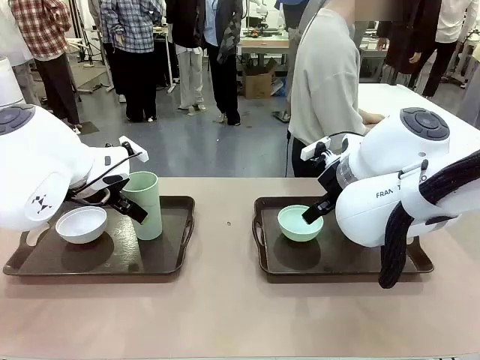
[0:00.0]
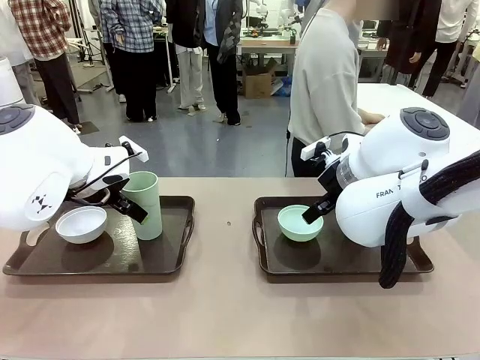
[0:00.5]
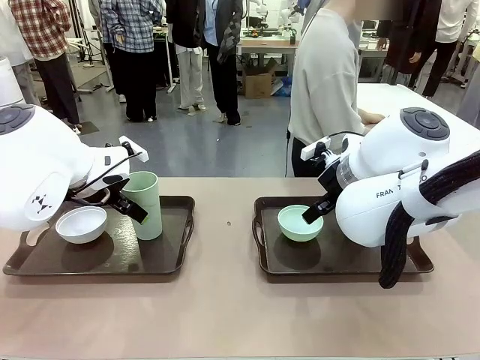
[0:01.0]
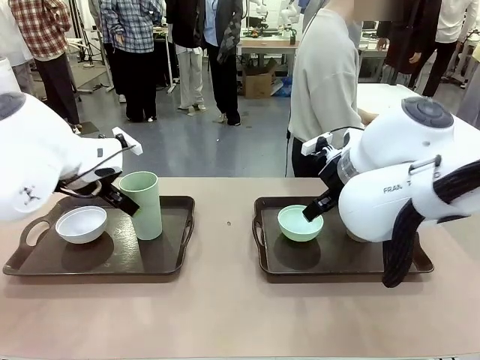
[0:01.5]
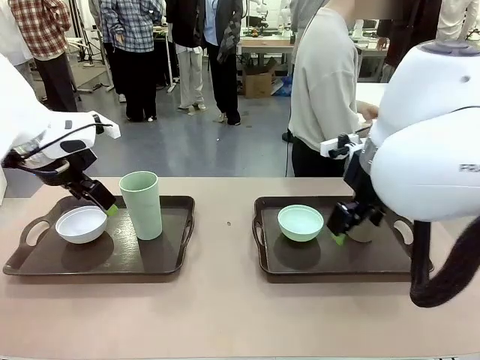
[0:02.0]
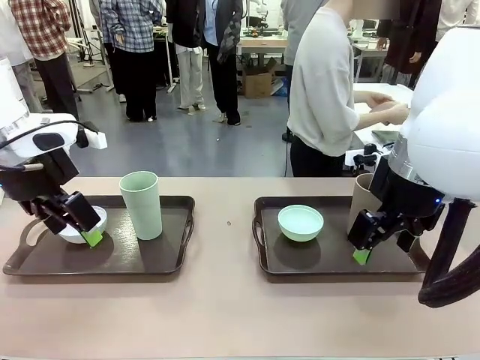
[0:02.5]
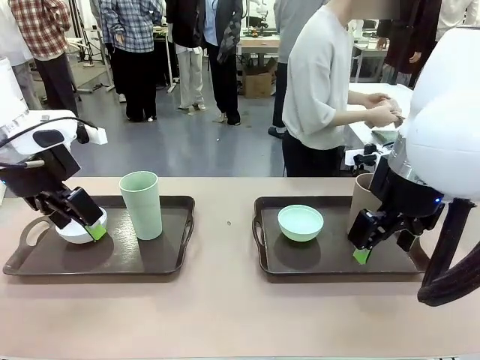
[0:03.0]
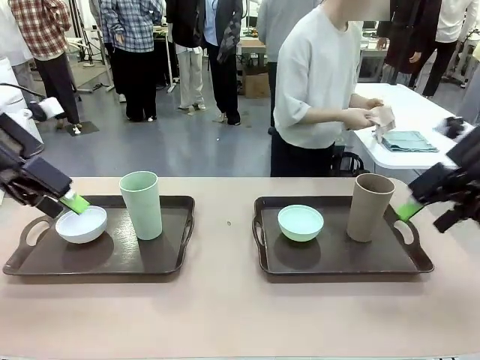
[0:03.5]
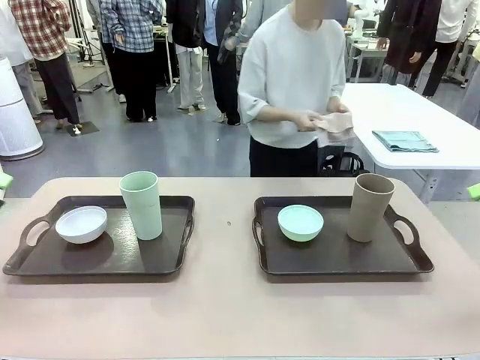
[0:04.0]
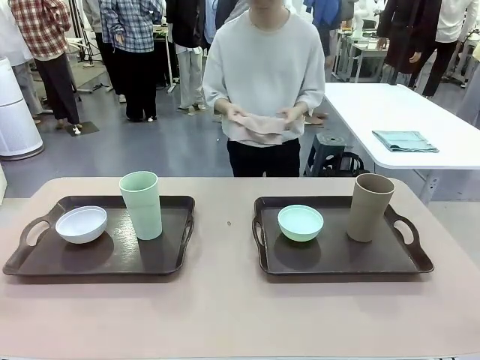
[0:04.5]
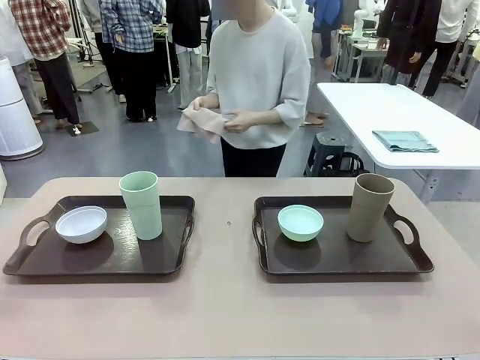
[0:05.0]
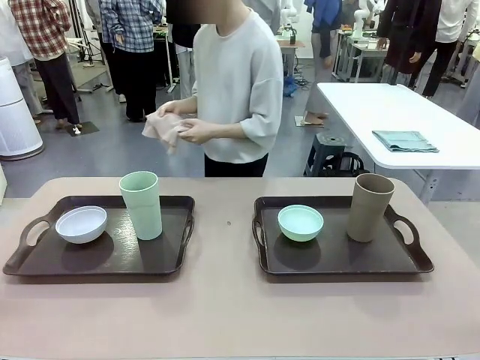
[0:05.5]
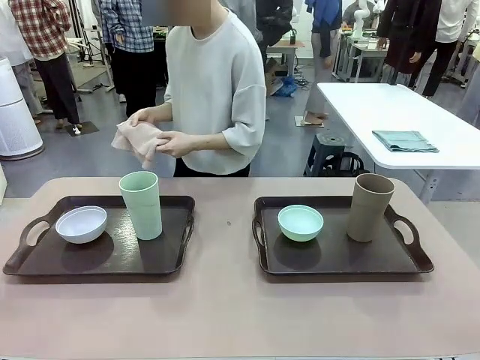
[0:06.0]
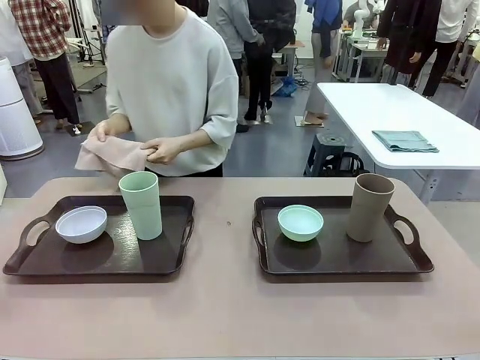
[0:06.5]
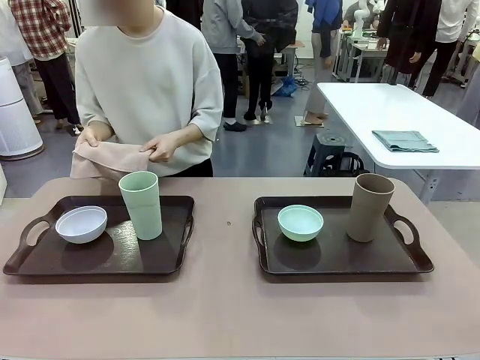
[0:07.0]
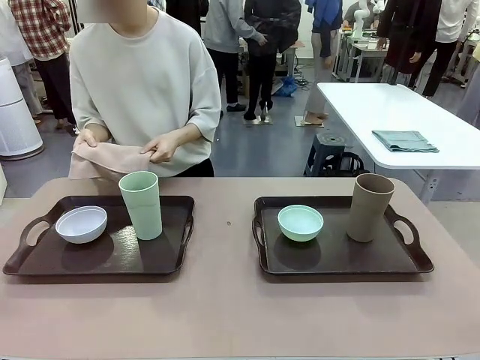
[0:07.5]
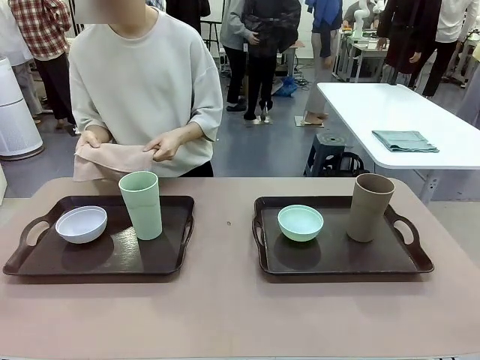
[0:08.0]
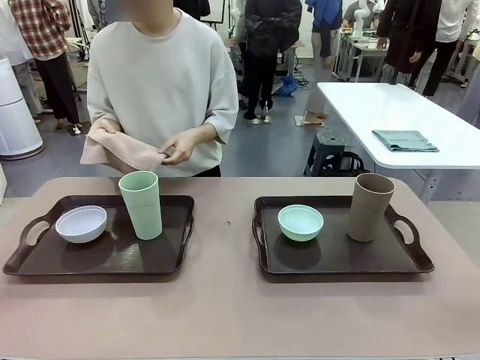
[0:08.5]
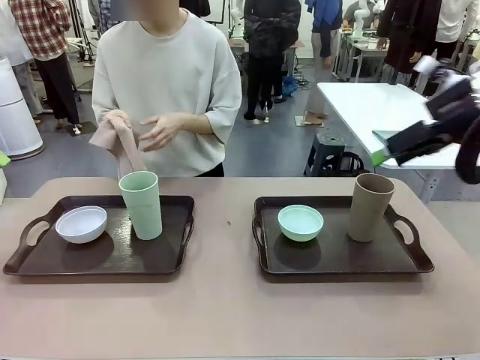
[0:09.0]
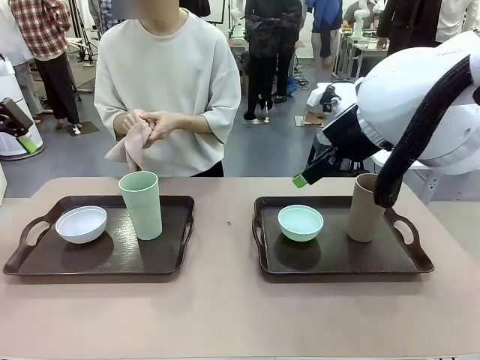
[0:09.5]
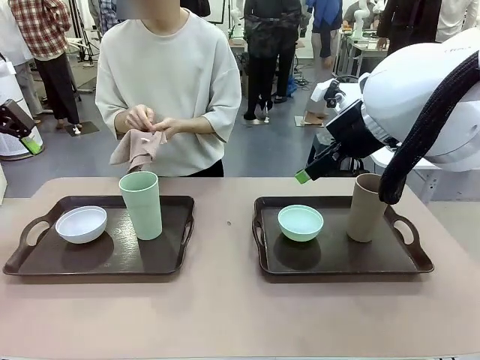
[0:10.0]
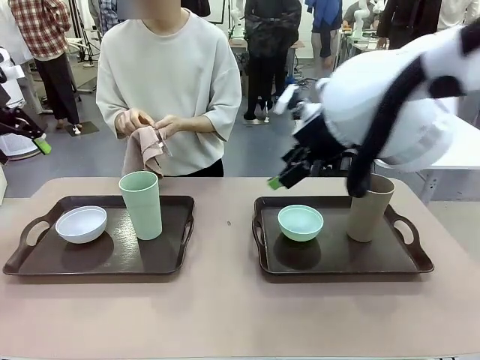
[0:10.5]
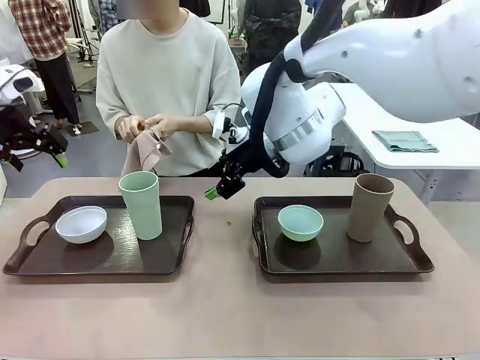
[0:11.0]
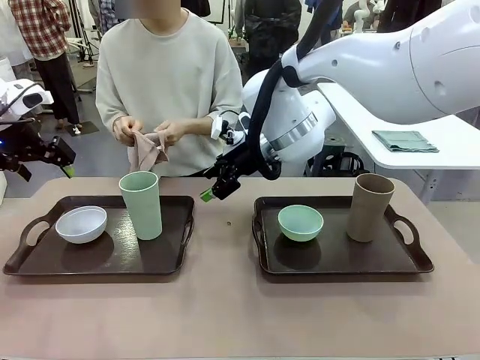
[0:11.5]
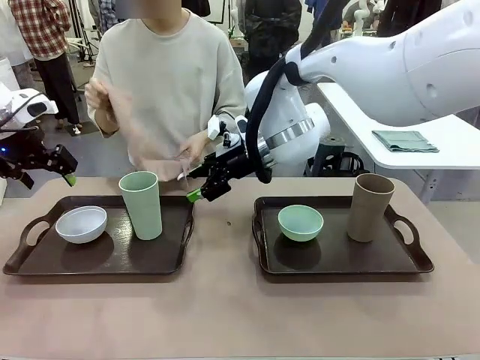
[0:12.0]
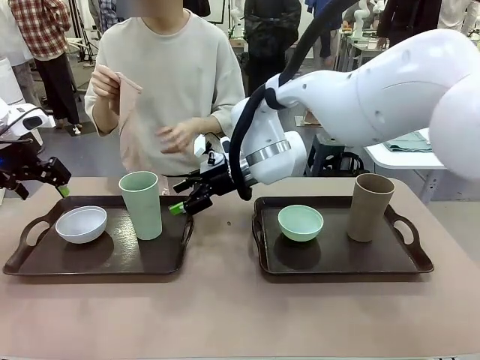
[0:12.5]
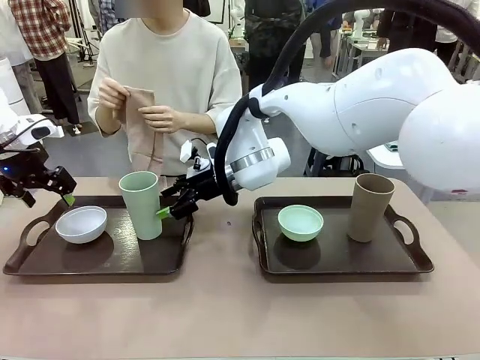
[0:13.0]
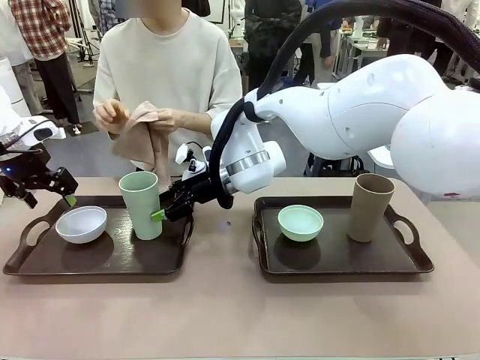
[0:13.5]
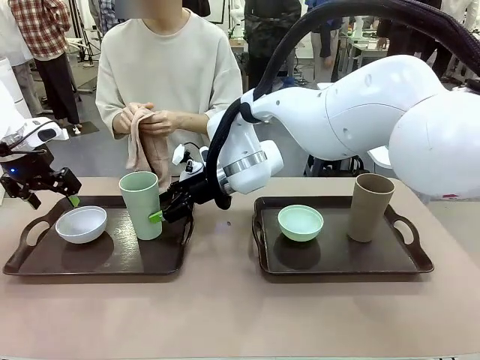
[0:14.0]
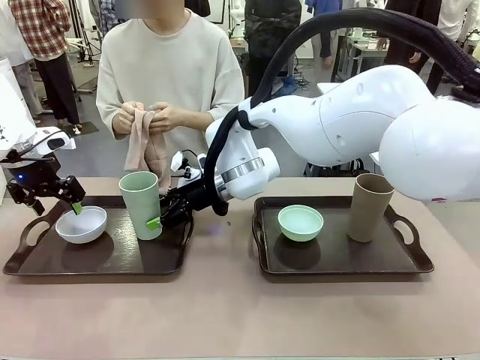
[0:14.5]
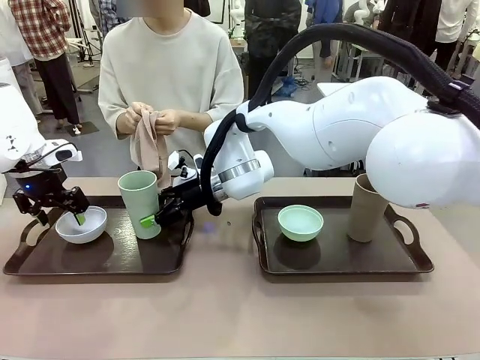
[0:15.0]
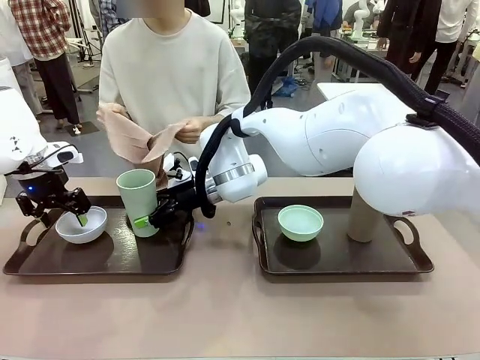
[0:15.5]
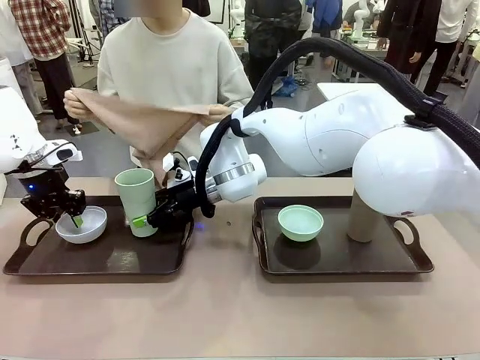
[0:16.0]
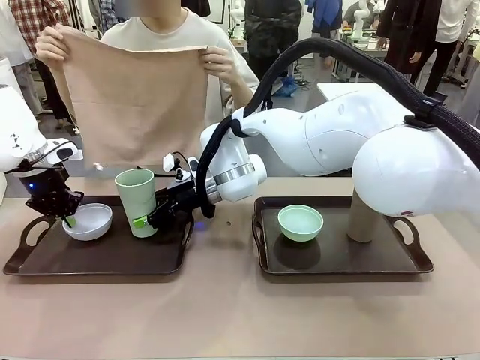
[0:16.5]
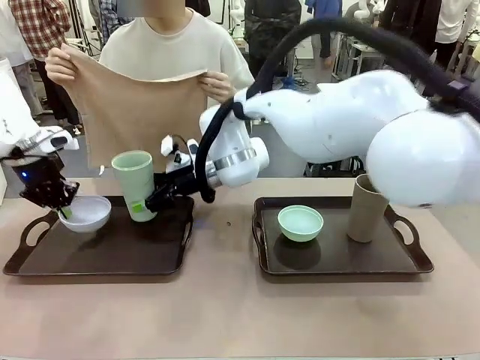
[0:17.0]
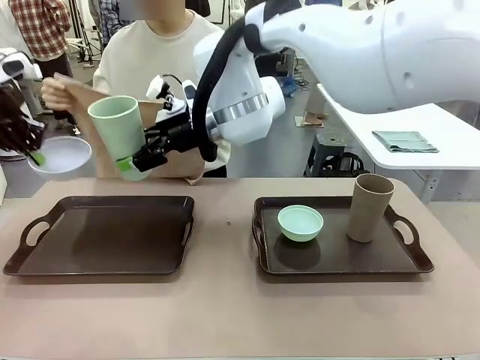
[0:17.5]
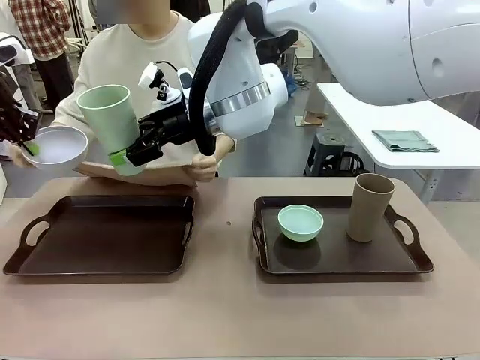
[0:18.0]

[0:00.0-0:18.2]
Robot: Pick up the Picnic Bowl and Reusable plastic cup from the Handle tray in front of the human's position and hold them in the air.
Person: The human picks up the top napkin from the stack on the human table and walks to the robot table to stand in front of one of the two trays. When the robot lifts the bowl and the cup, the human unfolds the napkin and lays the napkin flat on the tray.

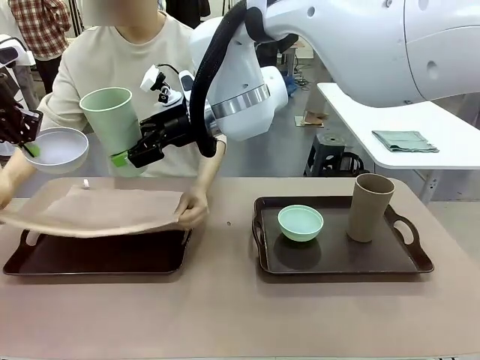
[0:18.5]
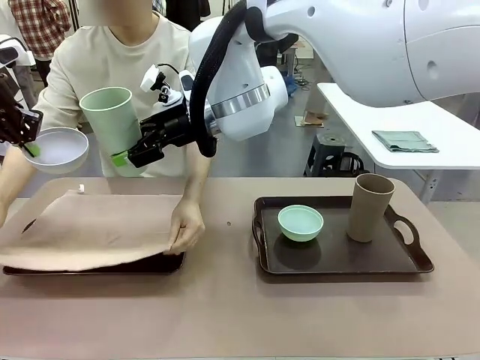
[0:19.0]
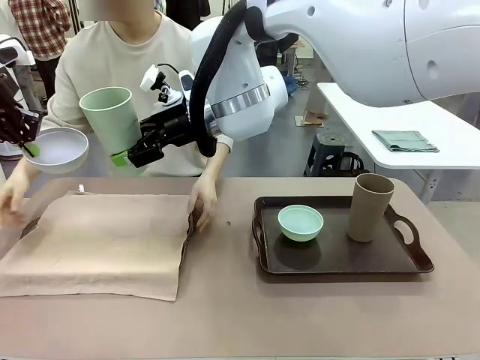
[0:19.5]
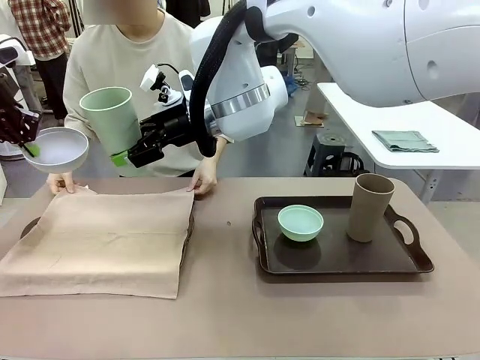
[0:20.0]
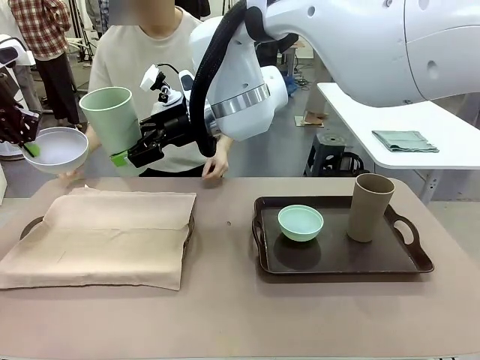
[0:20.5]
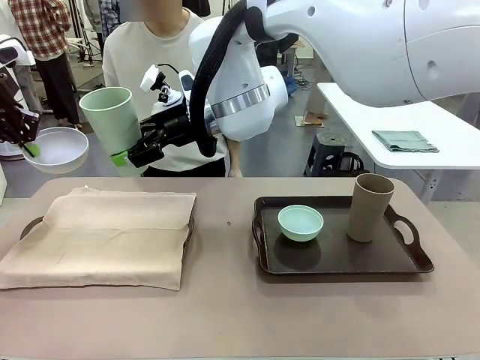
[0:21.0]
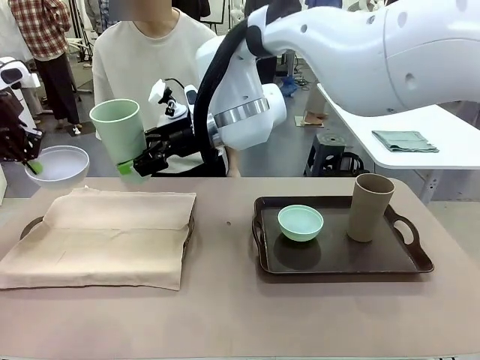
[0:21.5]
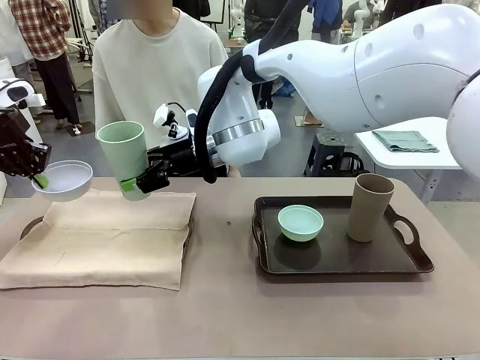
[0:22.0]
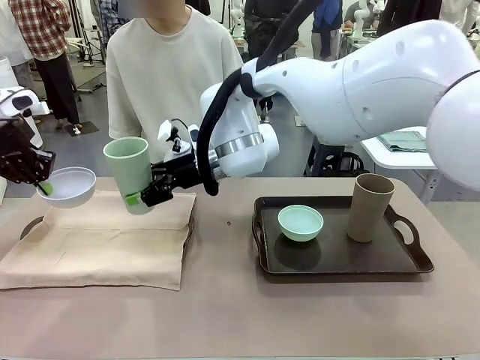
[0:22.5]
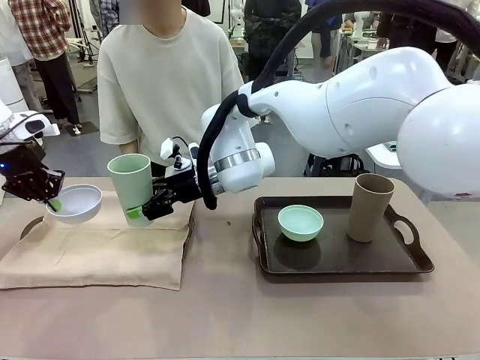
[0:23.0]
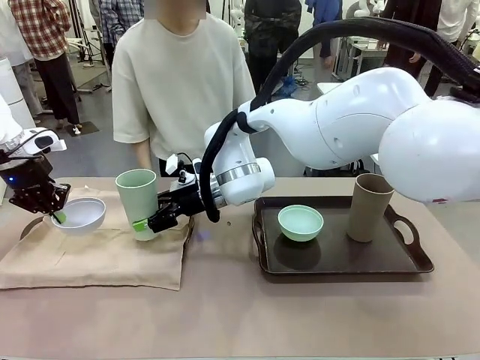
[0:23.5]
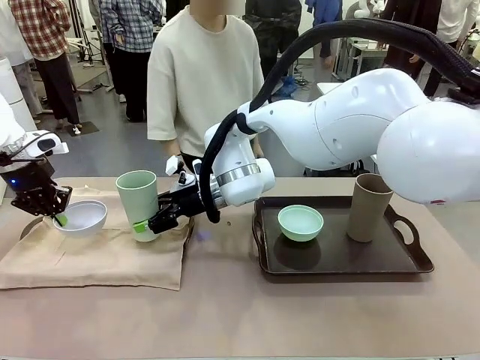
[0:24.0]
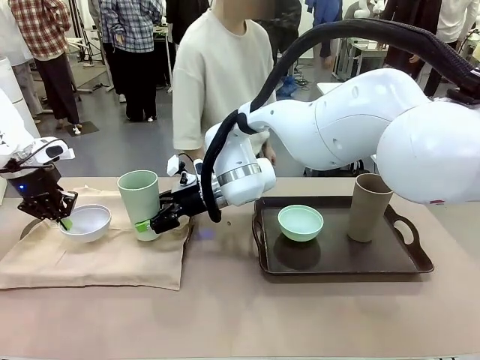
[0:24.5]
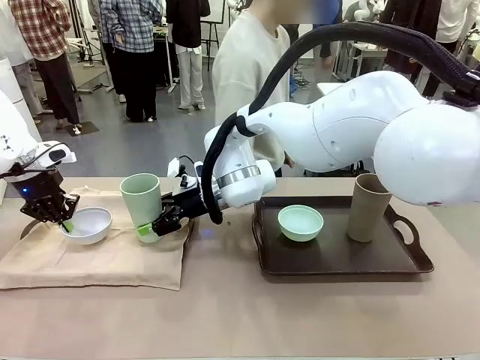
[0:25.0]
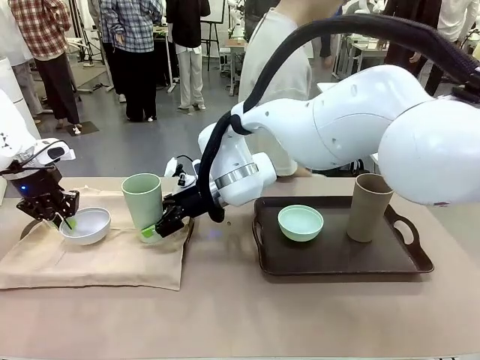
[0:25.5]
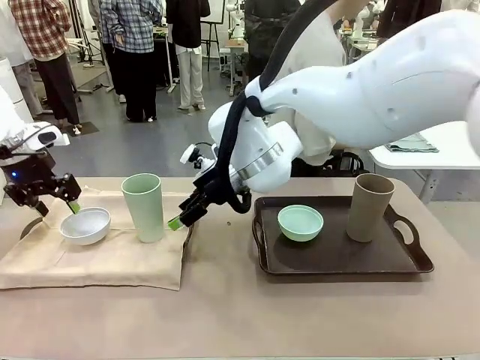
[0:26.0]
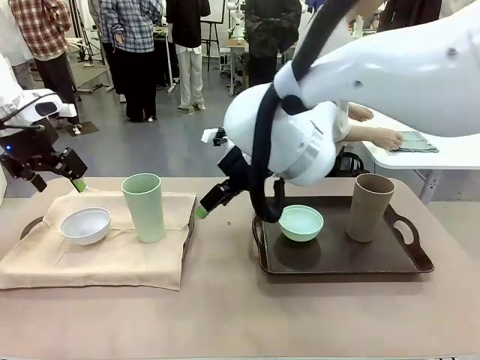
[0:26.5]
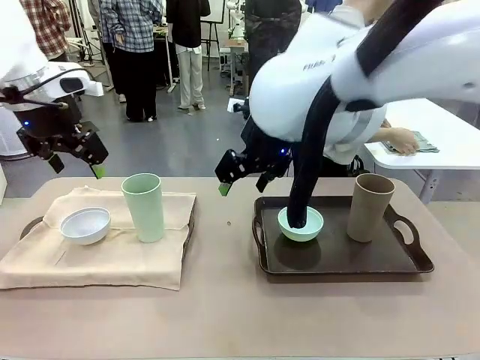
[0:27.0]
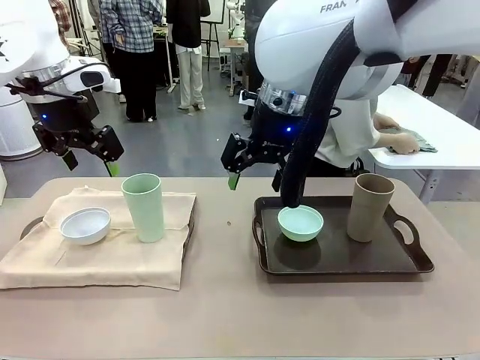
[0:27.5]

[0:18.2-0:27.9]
Robot: Place the Picnic Bowl and Reusable plastic cup back onto the Handle tray in front of the human's position.
Person: The human returns to the human table to pick up another napkin and walks to the robot table to stand in front of the tray without a napkin.
